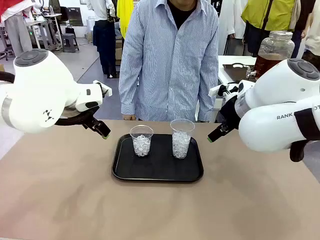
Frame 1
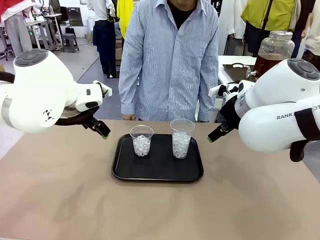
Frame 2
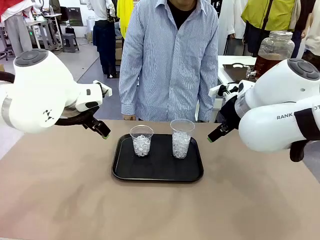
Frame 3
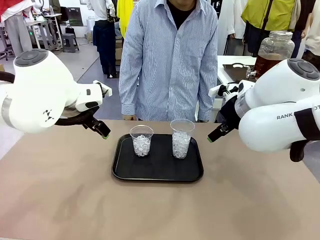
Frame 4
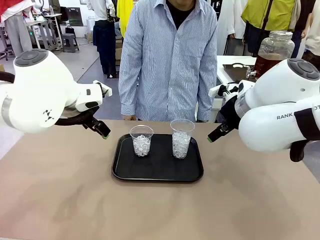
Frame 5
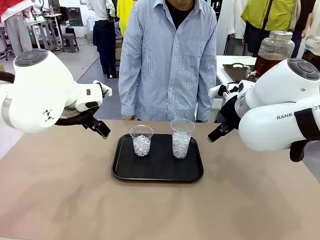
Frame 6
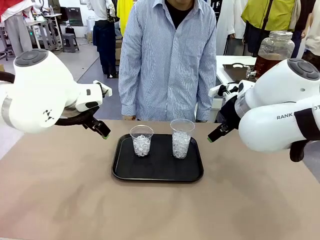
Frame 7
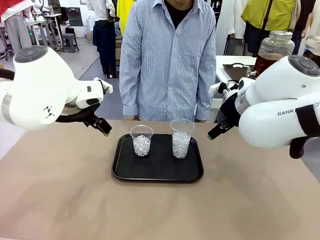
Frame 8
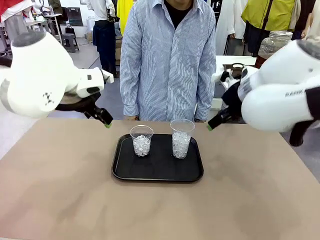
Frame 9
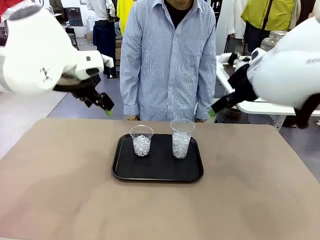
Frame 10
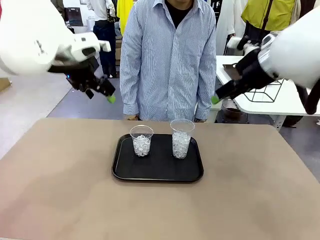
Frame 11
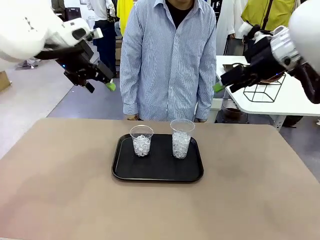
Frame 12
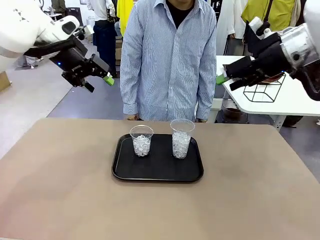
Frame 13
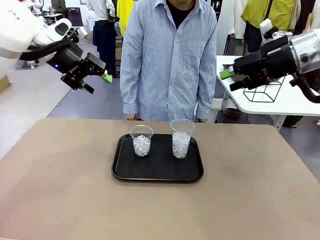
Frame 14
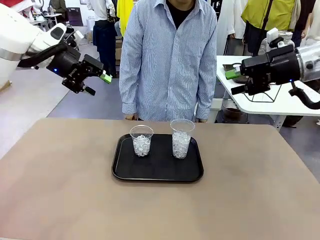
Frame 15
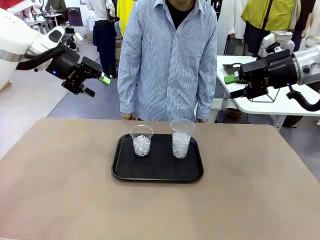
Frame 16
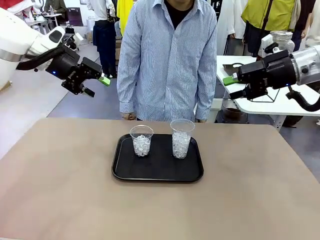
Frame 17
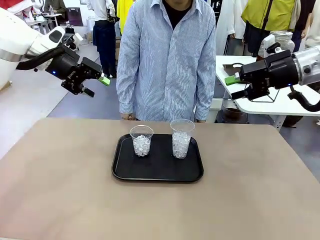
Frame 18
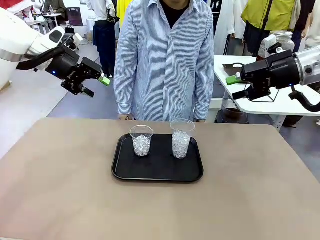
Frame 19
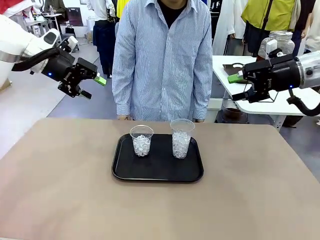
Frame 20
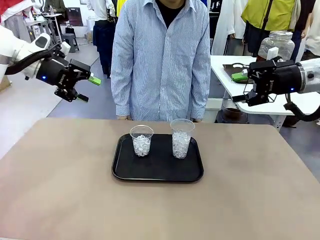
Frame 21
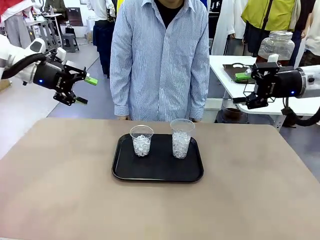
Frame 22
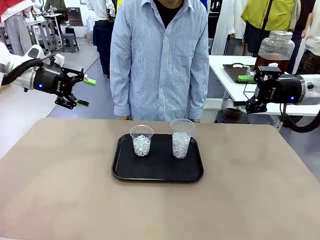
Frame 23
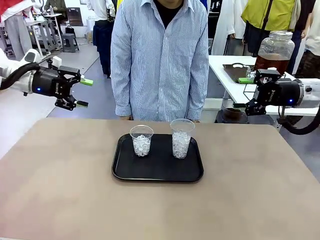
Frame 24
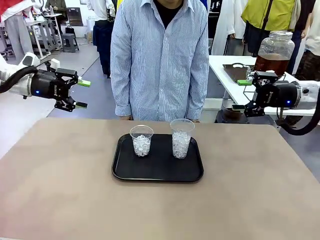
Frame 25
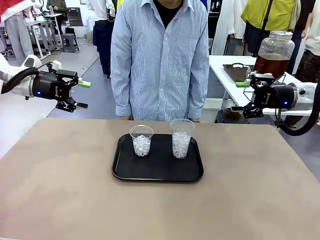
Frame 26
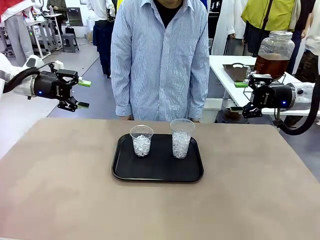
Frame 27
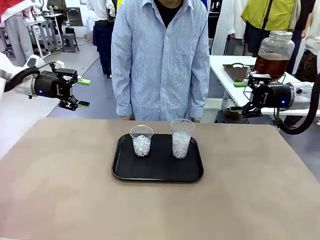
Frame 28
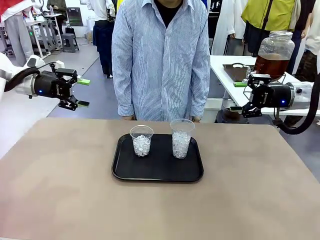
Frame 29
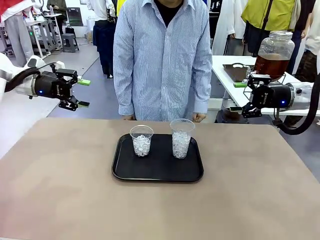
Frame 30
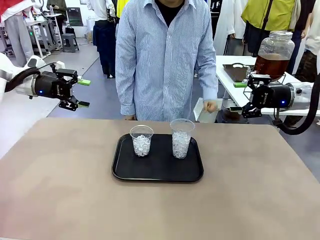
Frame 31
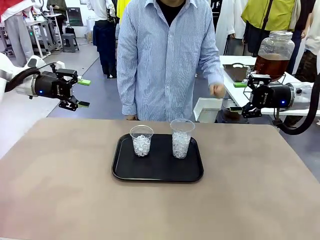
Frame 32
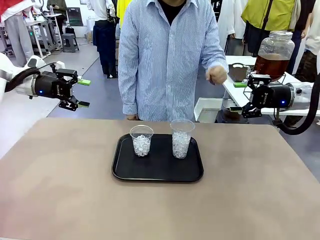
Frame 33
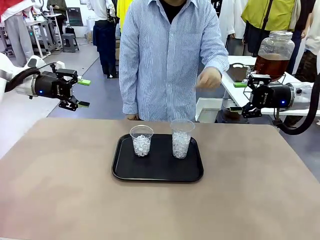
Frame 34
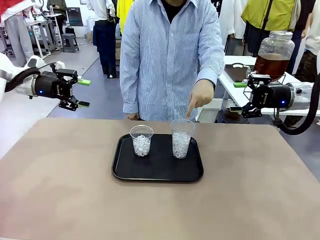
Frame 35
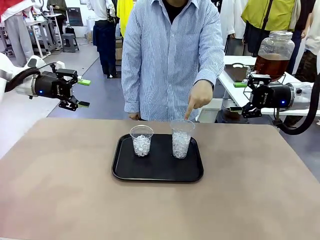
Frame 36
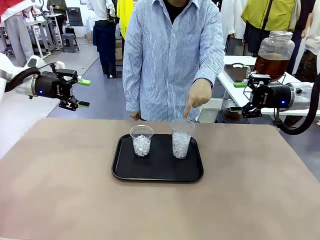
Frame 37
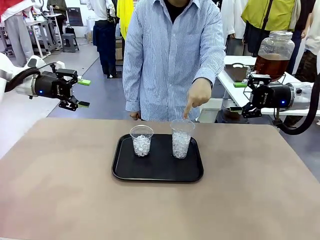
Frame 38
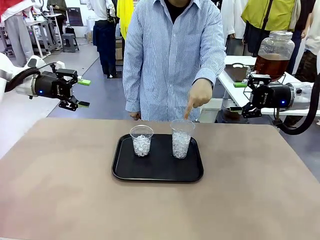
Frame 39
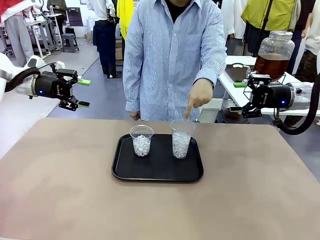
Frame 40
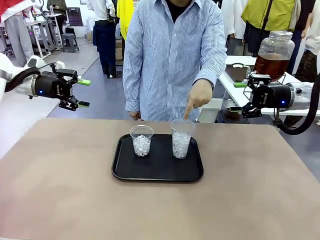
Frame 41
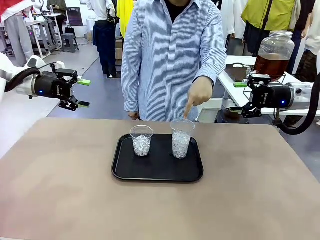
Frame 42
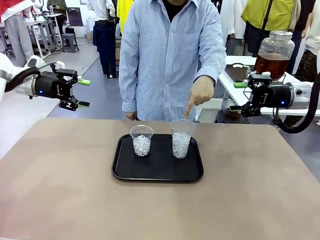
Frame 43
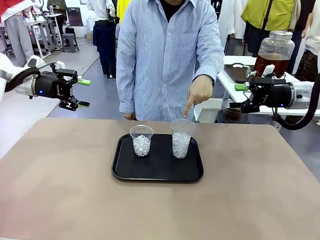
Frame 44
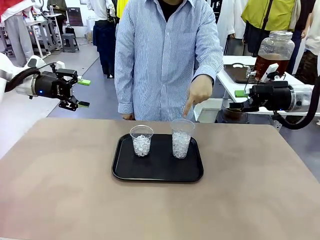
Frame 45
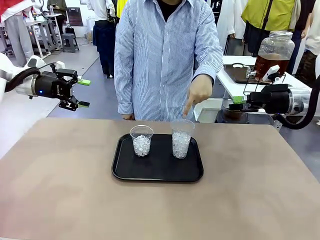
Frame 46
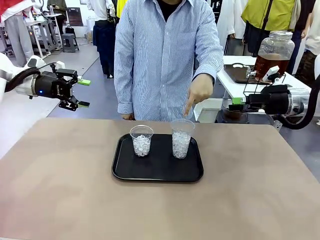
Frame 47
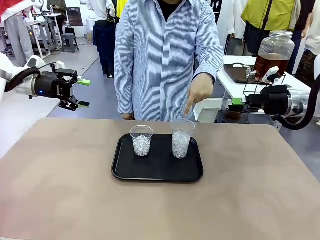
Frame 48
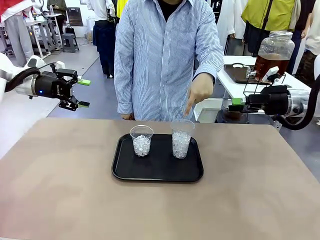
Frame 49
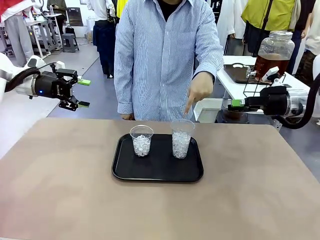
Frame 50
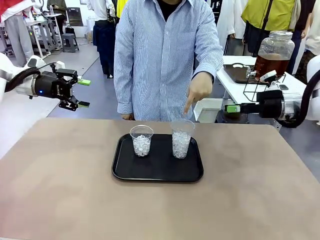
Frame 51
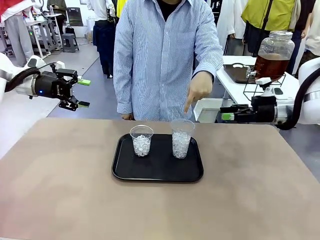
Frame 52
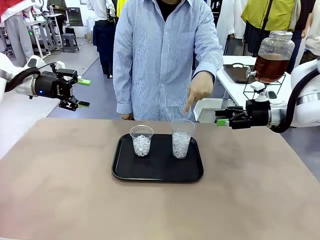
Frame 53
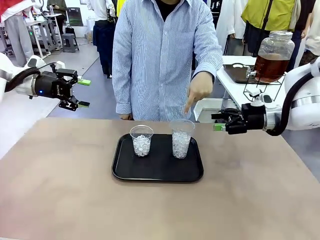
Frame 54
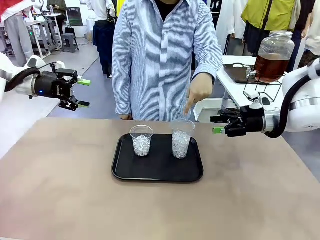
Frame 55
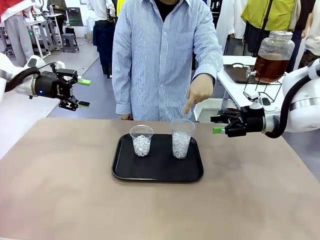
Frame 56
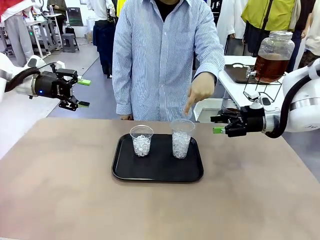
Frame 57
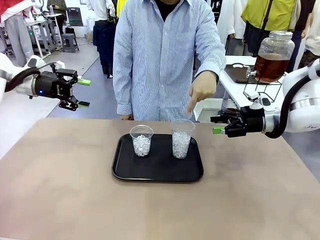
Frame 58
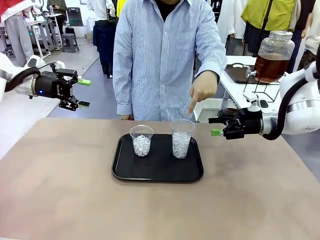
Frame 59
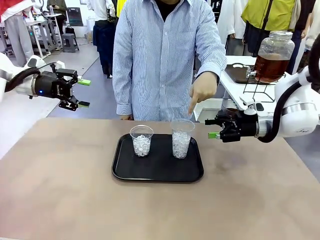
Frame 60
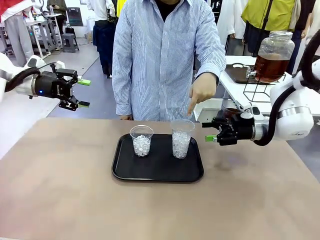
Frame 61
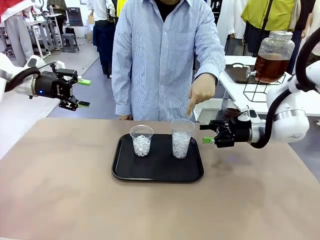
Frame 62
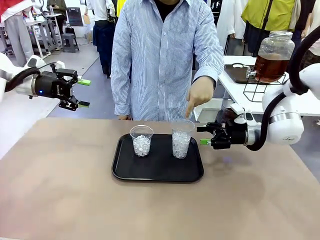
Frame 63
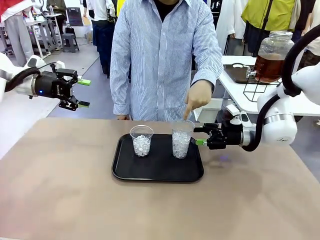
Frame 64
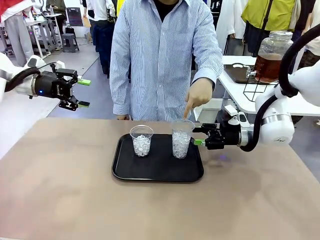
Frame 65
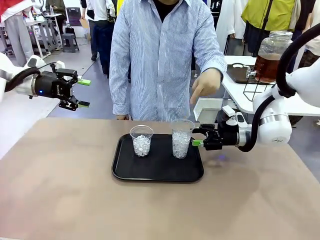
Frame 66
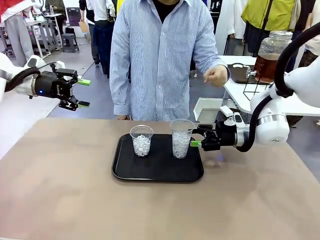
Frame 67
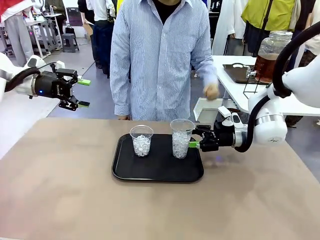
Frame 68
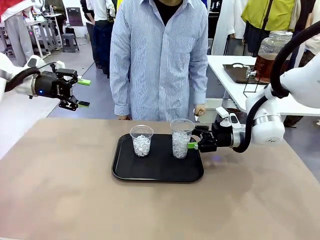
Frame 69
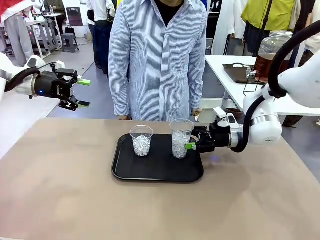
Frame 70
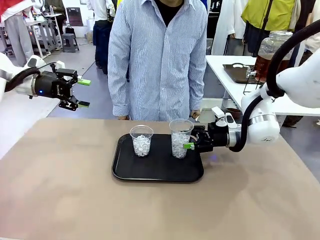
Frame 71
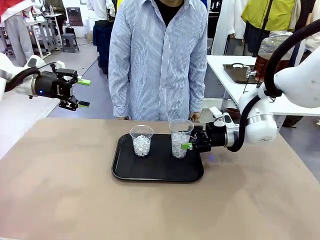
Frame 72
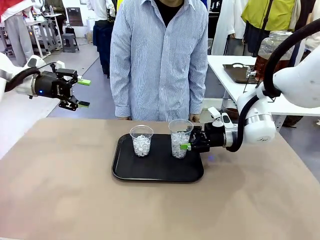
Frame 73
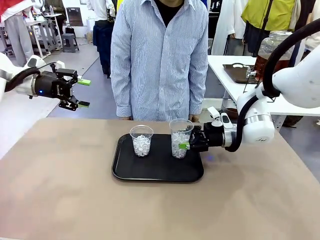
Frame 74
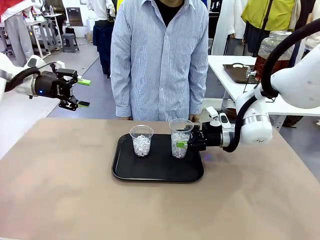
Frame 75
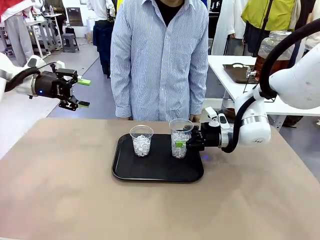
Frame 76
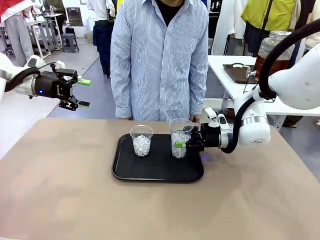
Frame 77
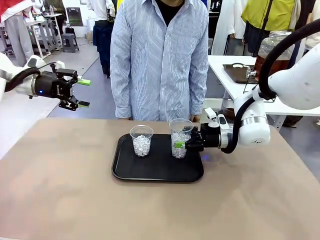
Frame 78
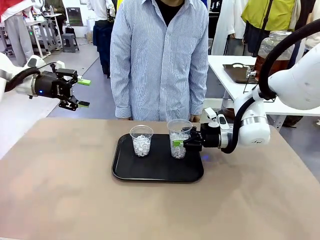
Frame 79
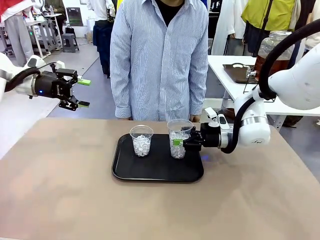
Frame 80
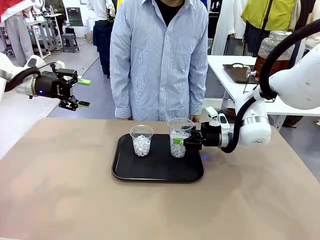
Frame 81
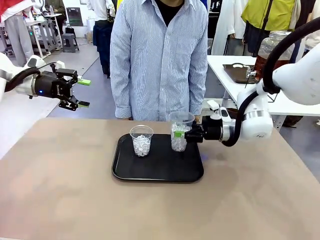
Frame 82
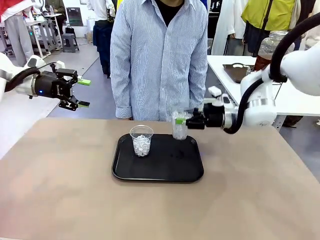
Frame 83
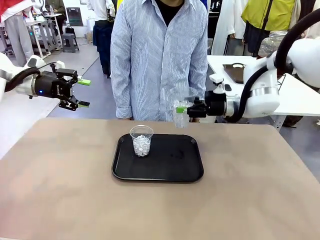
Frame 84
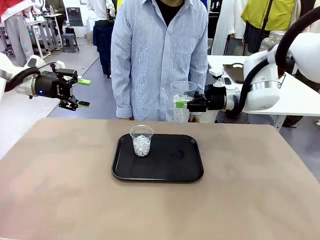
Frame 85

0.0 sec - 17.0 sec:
Task: Pour the drink into the iced cup.
Robot: Pick up the iced cup indicated by the human and present it to them.
Person: Point to one of the two ice cups. Pick up the cup offered by the robot.

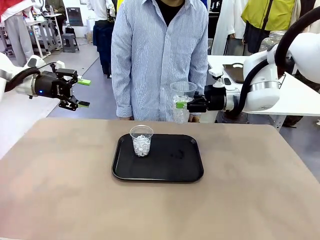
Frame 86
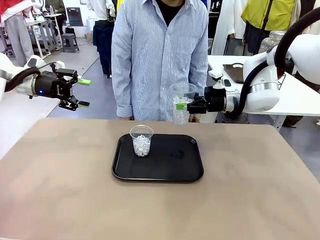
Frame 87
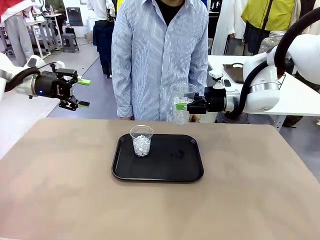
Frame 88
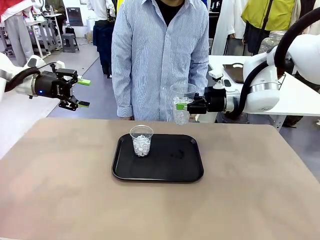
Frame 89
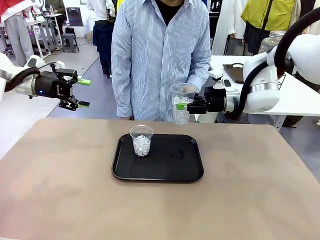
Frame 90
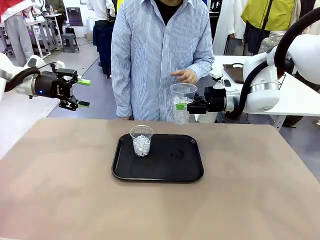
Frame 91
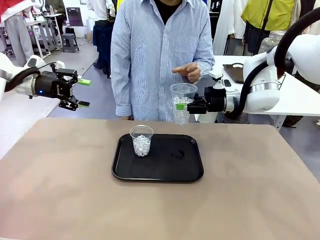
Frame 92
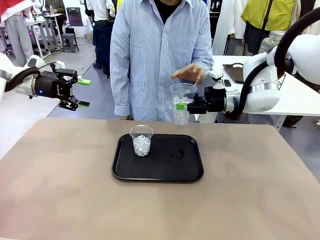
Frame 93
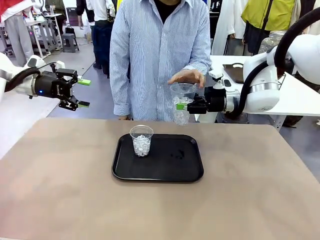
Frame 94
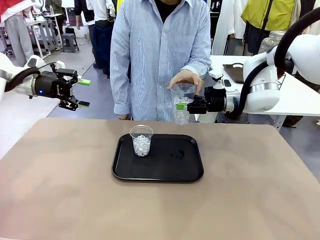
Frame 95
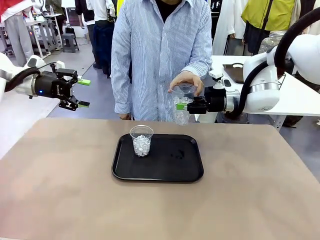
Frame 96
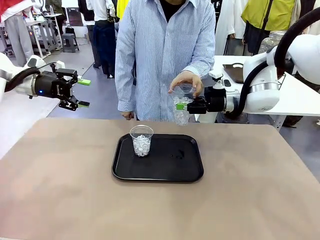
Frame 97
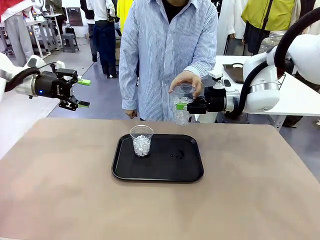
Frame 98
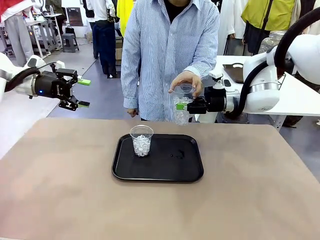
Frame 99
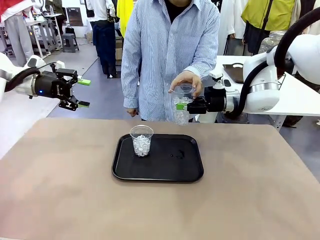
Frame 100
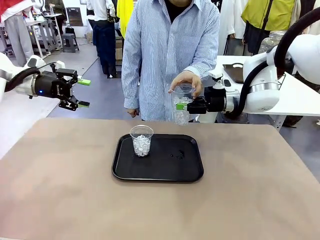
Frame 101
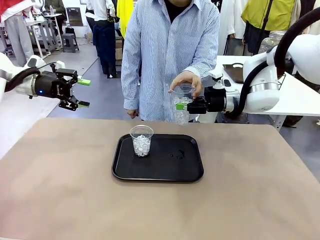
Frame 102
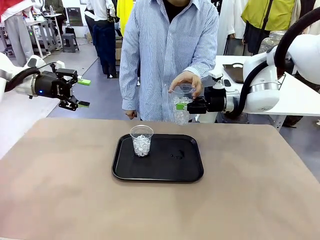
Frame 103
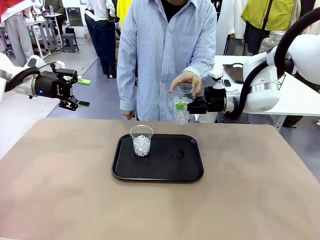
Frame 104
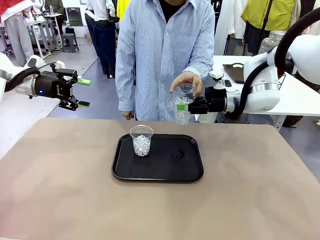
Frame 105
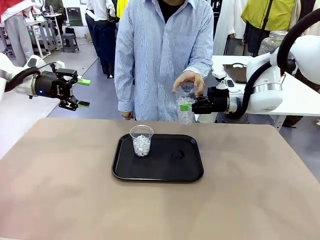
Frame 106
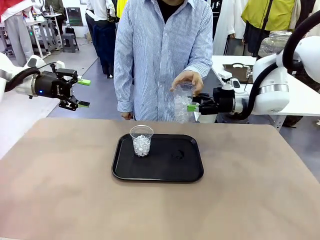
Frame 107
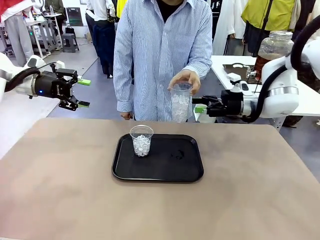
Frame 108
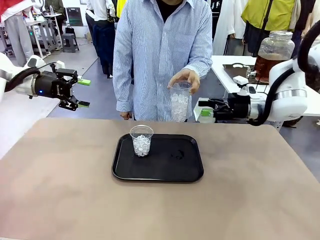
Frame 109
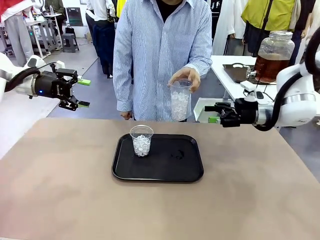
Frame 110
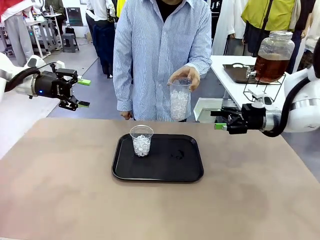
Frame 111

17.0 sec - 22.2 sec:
Robot: Open the gripper to release the iced cup you were holding.
